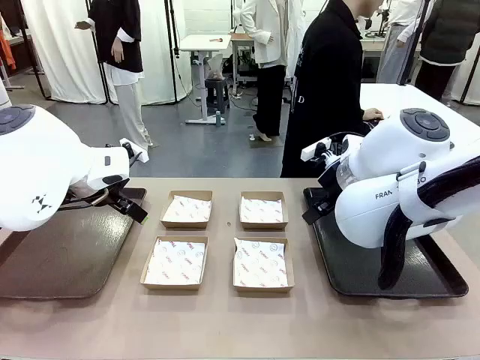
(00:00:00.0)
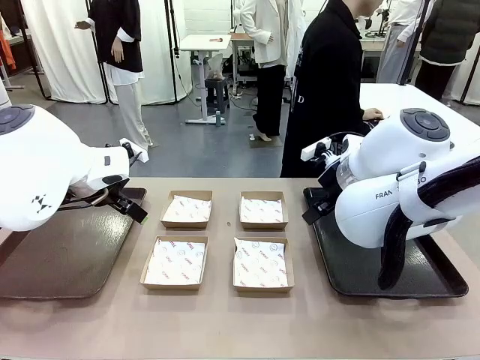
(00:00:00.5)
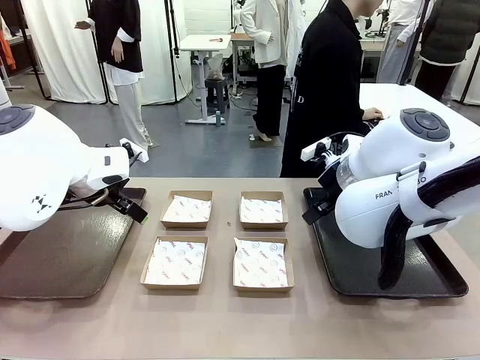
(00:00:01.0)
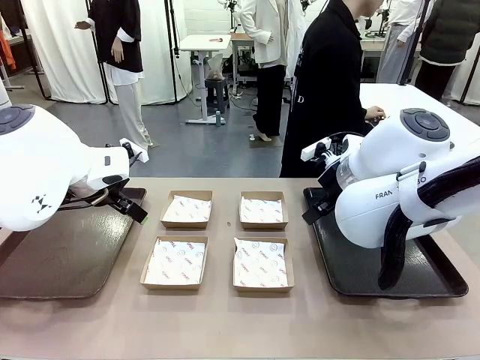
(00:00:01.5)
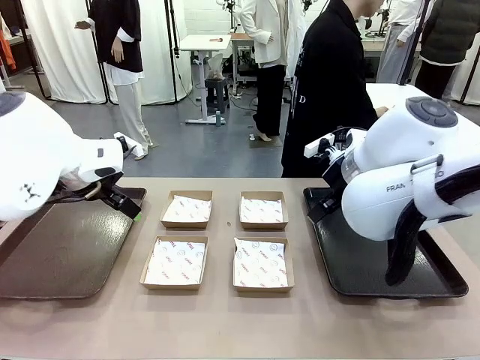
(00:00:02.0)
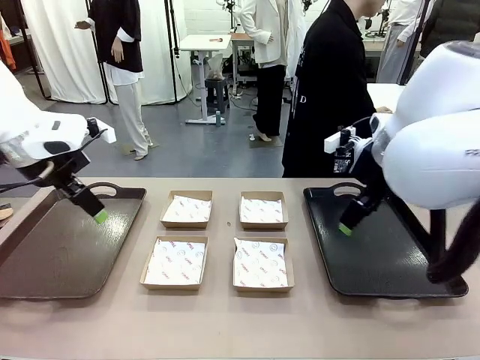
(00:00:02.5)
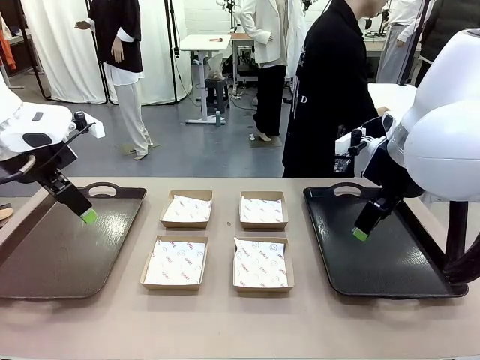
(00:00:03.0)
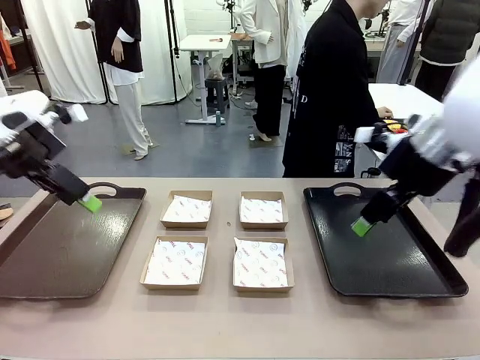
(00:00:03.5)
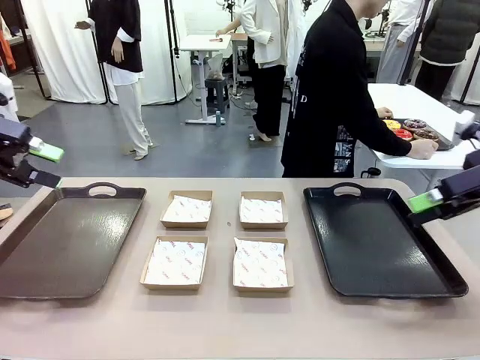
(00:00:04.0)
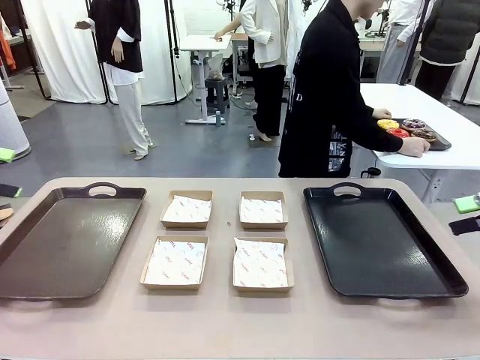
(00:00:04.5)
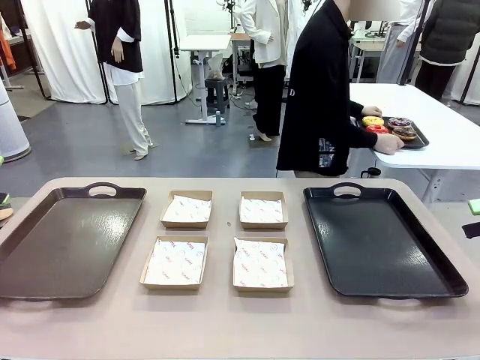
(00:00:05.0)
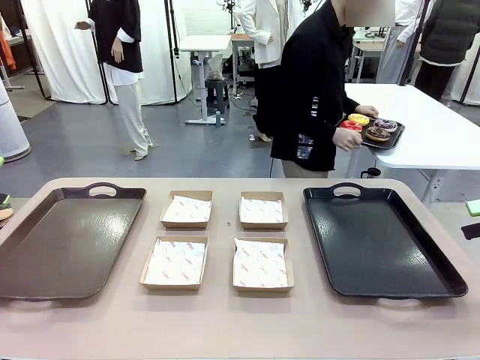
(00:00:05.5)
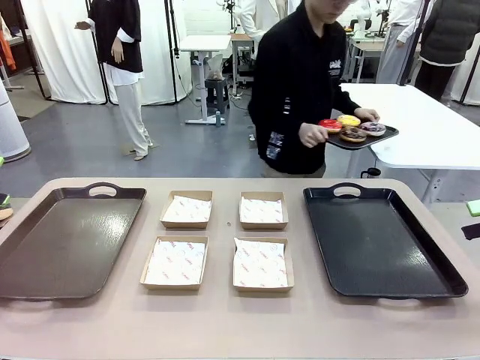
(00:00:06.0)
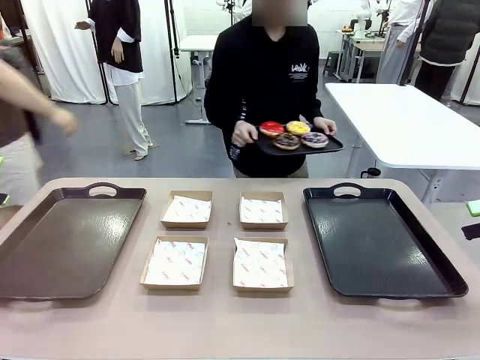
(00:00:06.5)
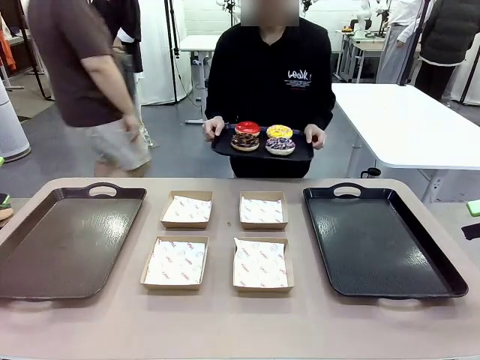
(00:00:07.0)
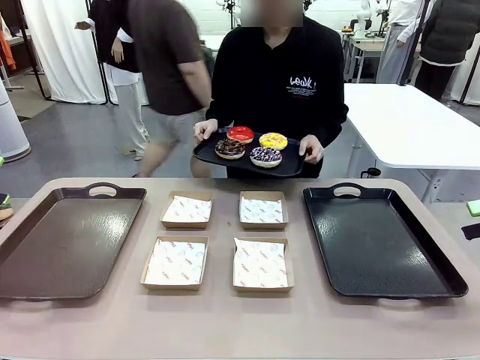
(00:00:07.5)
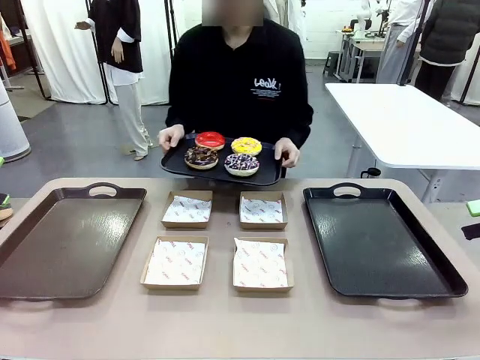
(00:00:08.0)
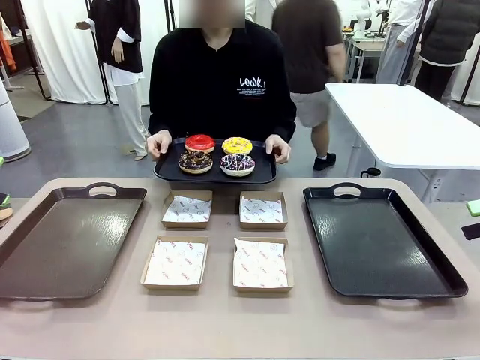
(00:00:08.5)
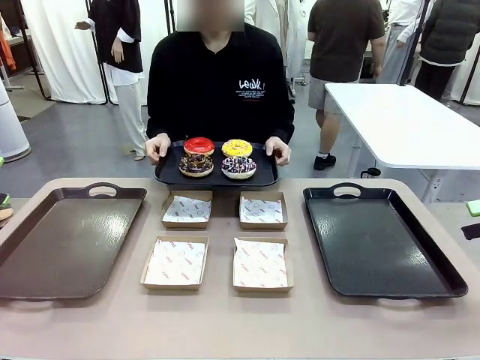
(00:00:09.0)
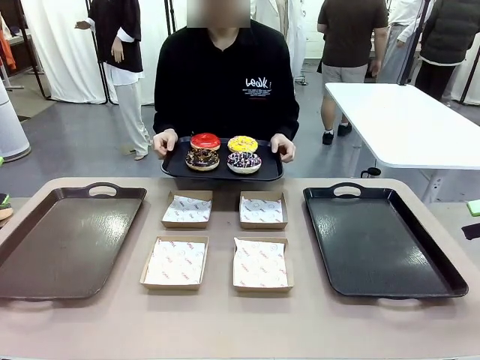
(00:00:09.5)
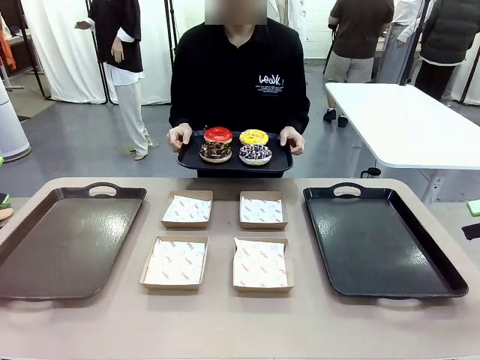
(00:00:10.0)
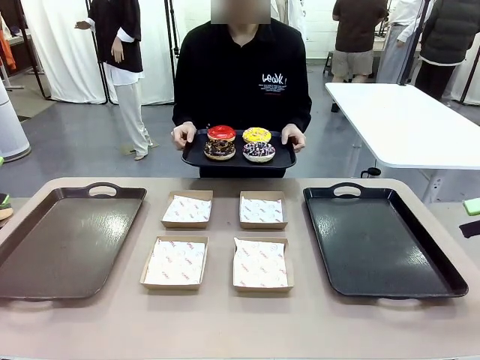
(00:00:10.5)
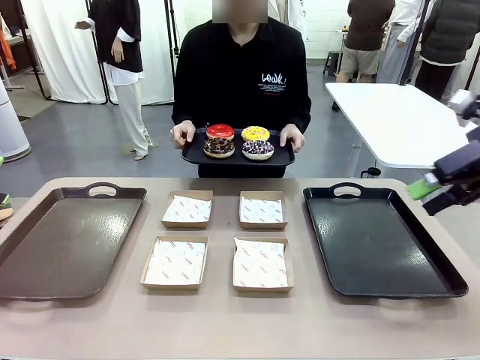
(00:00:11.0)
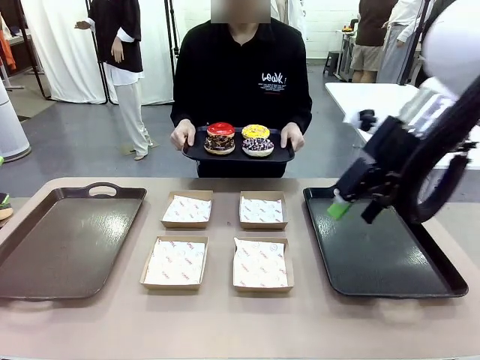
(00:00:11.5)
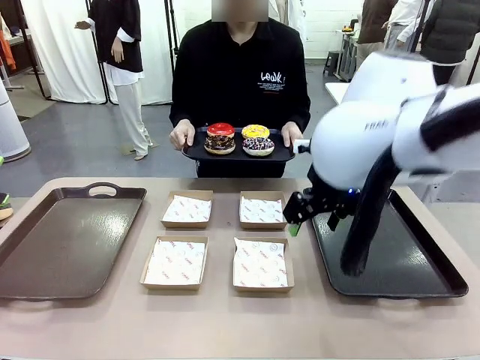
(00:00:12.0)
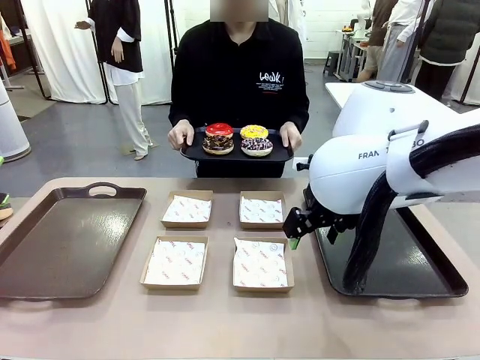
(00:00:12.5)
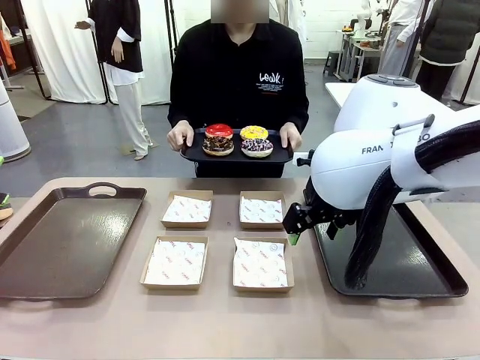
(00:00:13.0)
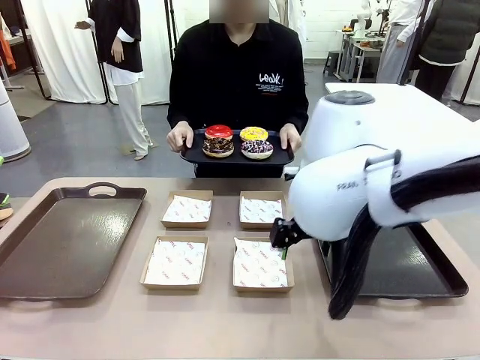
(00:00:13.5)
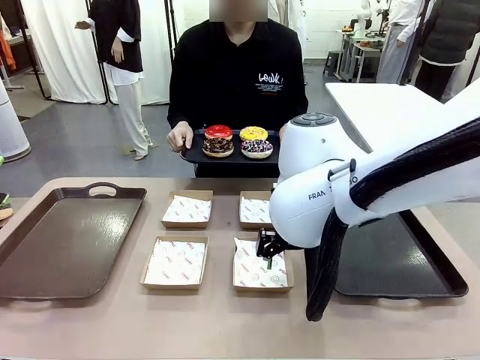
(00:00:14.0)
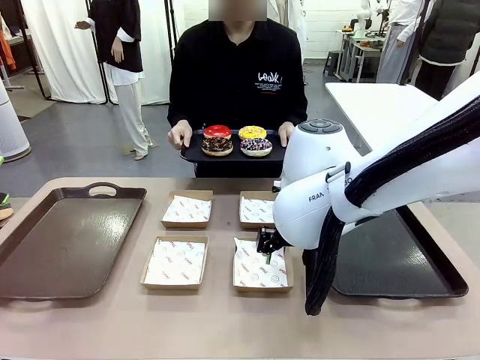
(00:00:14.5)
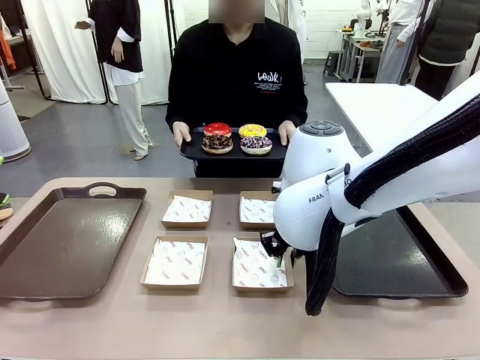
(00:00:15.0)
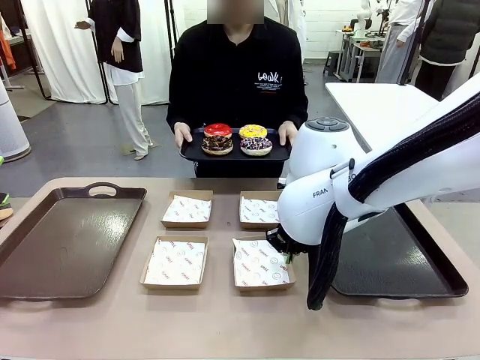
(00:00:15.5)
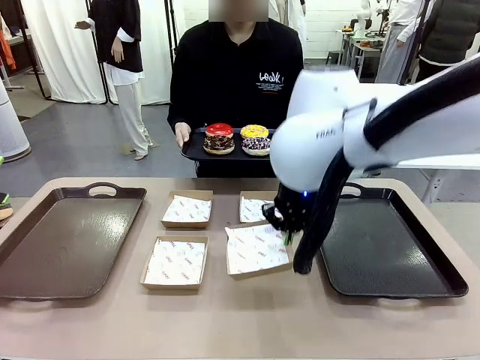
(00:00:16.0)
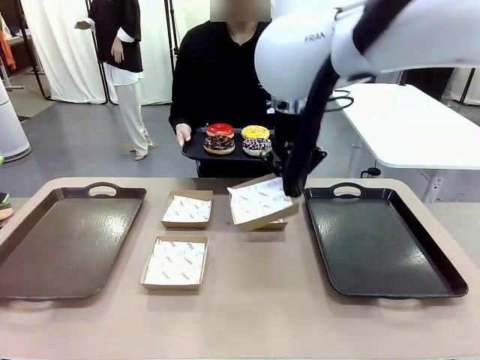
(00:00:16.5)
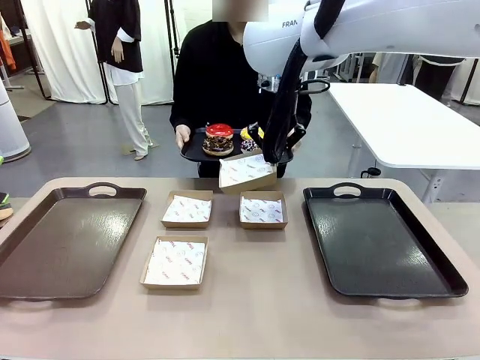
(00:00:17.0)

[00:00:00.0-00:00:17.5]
Task: Individually package the donuts and arrange them on the tray.
Robot: Pick up one Paper togo box.
Person: Stand in front of the robot table holding the tray containing the donuts.
